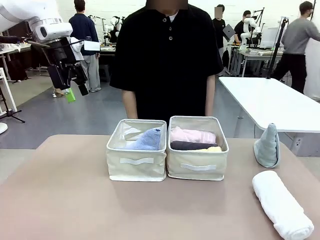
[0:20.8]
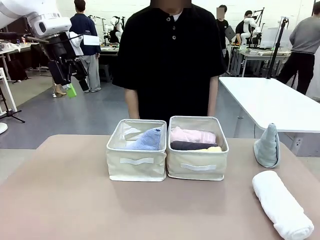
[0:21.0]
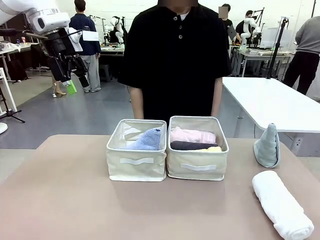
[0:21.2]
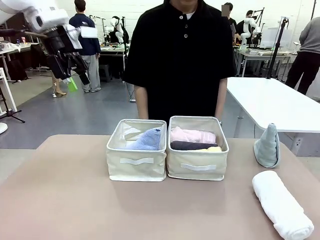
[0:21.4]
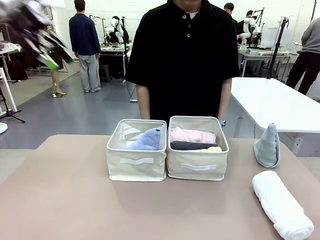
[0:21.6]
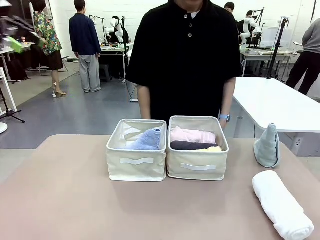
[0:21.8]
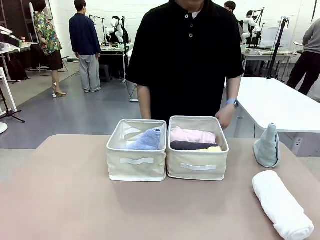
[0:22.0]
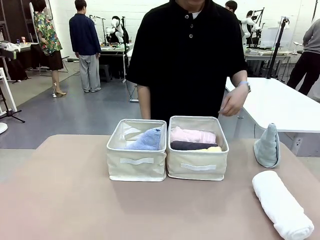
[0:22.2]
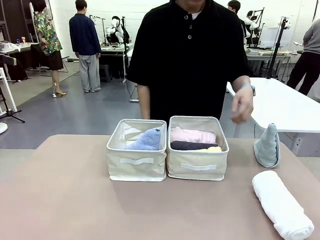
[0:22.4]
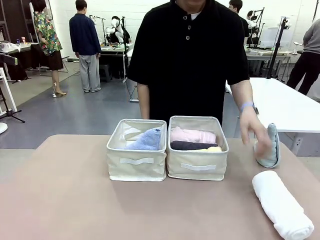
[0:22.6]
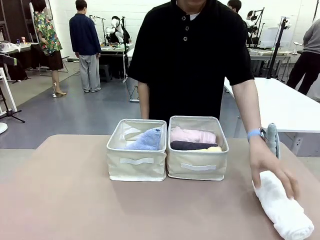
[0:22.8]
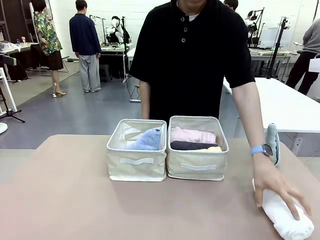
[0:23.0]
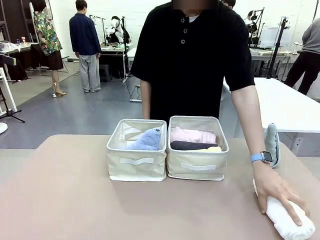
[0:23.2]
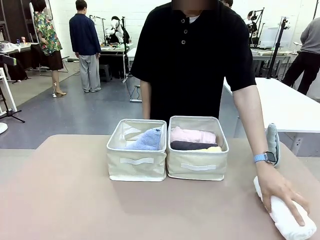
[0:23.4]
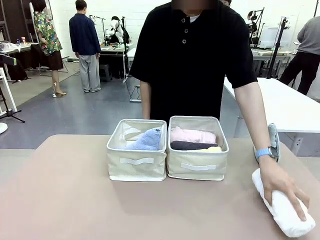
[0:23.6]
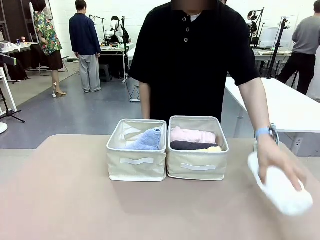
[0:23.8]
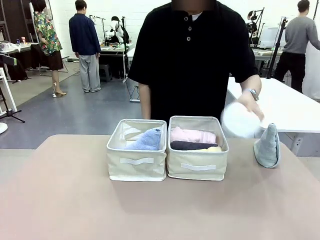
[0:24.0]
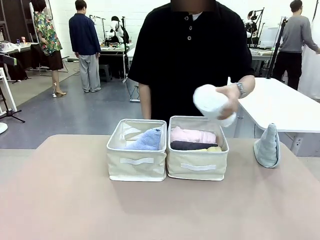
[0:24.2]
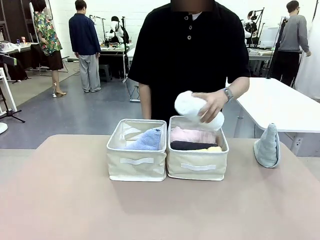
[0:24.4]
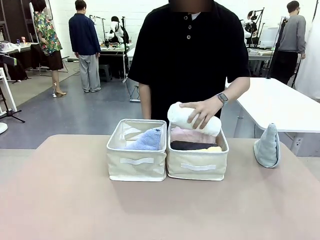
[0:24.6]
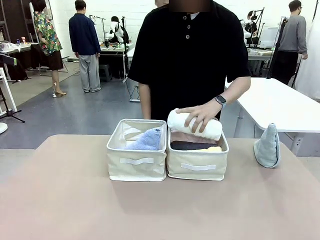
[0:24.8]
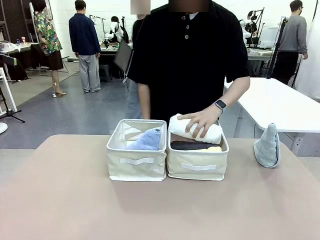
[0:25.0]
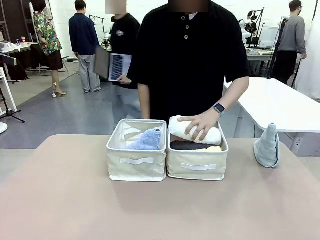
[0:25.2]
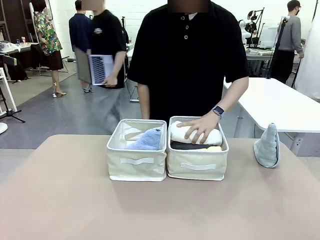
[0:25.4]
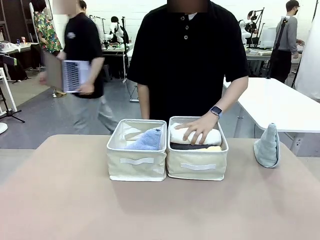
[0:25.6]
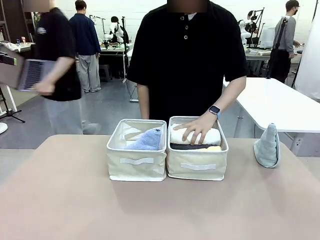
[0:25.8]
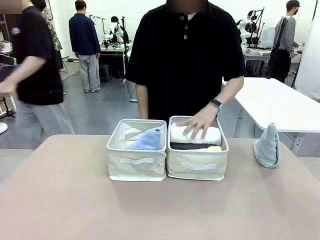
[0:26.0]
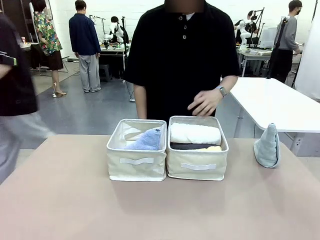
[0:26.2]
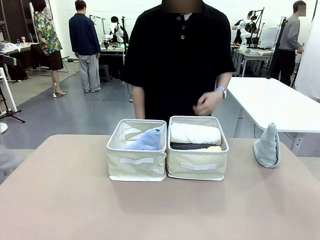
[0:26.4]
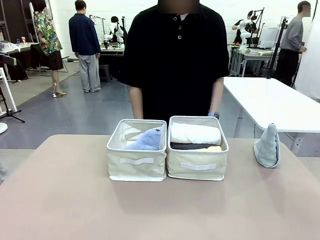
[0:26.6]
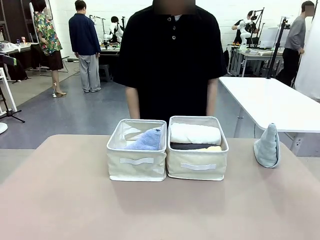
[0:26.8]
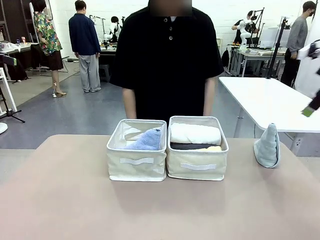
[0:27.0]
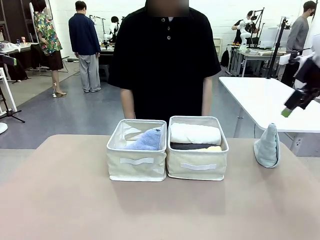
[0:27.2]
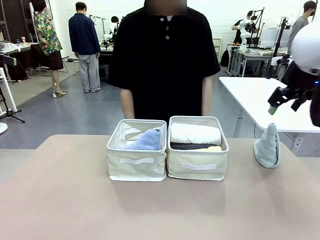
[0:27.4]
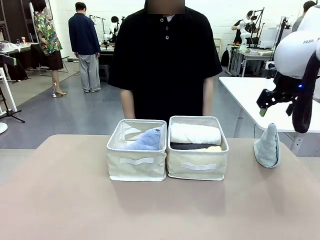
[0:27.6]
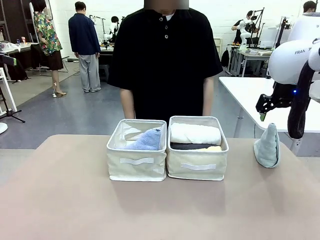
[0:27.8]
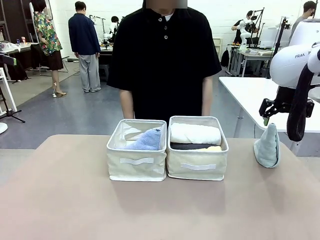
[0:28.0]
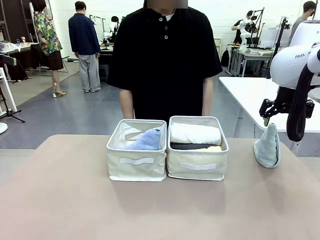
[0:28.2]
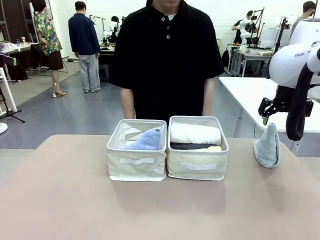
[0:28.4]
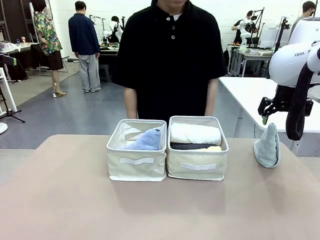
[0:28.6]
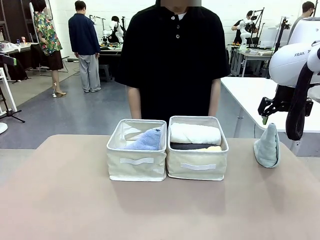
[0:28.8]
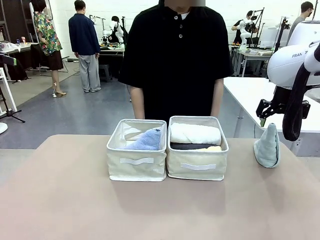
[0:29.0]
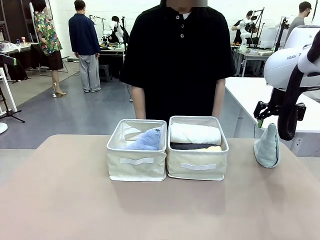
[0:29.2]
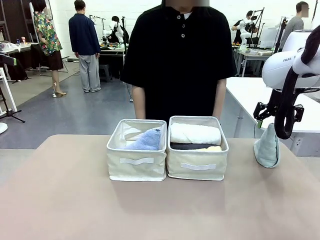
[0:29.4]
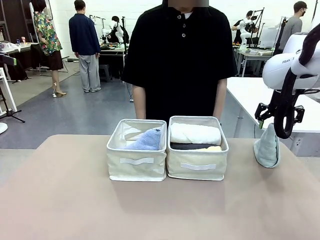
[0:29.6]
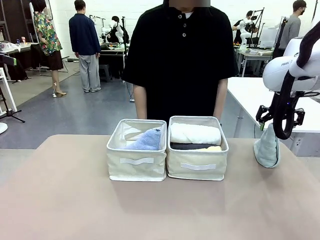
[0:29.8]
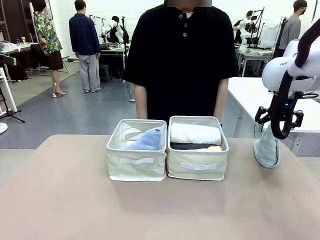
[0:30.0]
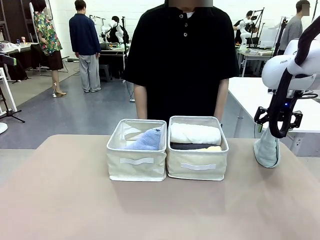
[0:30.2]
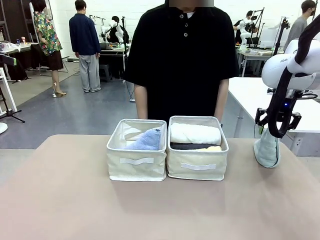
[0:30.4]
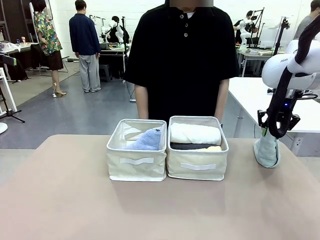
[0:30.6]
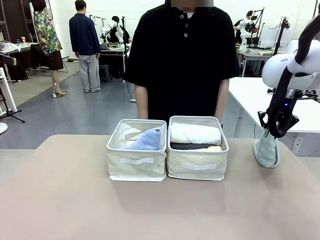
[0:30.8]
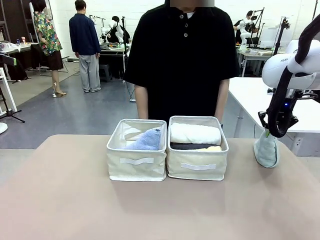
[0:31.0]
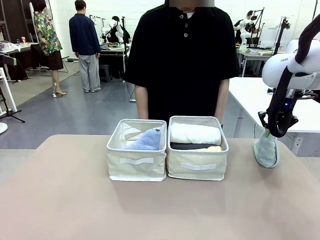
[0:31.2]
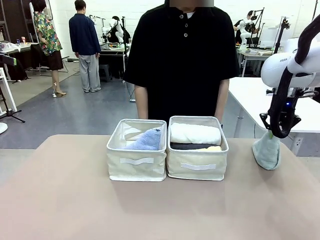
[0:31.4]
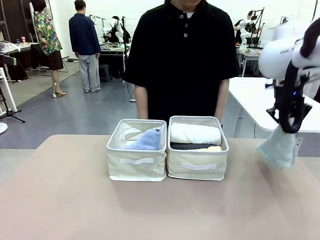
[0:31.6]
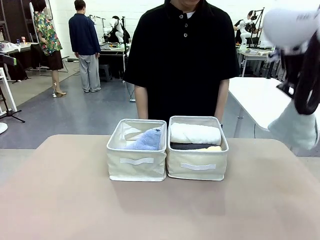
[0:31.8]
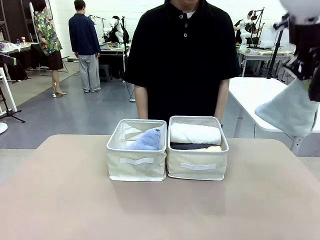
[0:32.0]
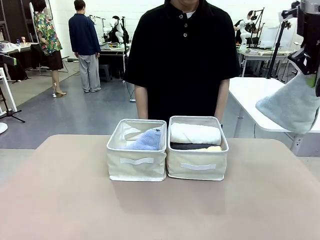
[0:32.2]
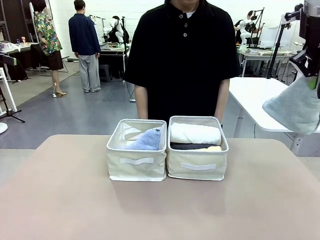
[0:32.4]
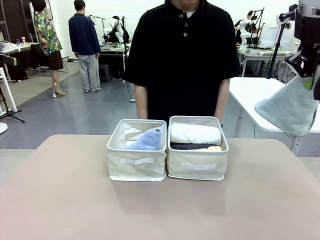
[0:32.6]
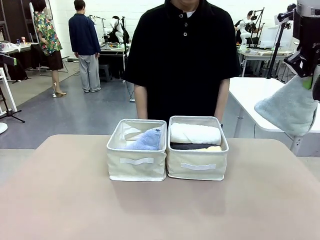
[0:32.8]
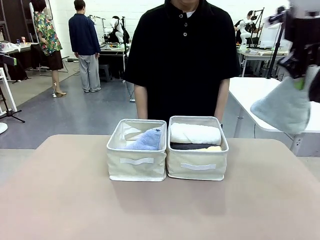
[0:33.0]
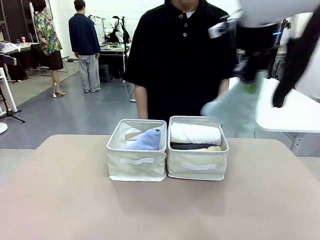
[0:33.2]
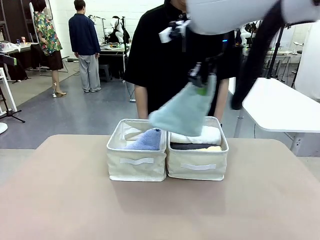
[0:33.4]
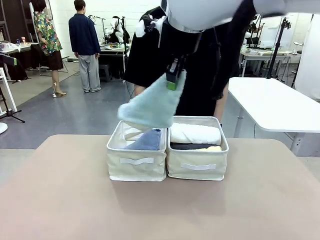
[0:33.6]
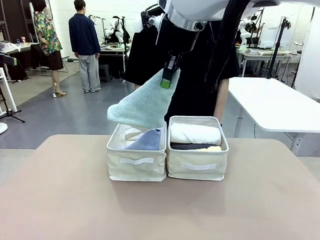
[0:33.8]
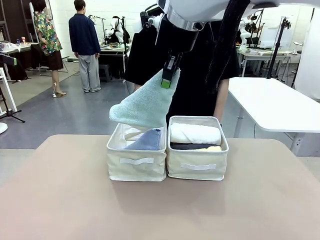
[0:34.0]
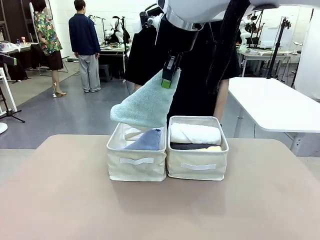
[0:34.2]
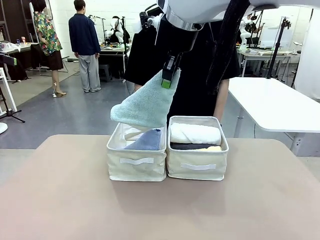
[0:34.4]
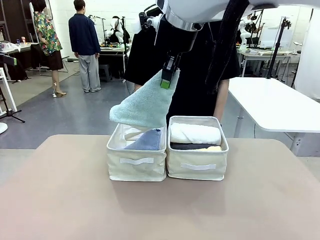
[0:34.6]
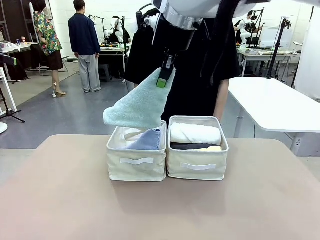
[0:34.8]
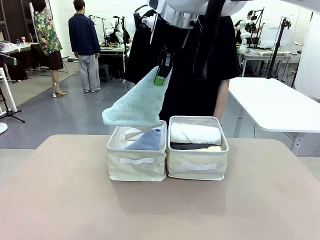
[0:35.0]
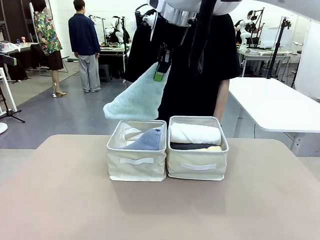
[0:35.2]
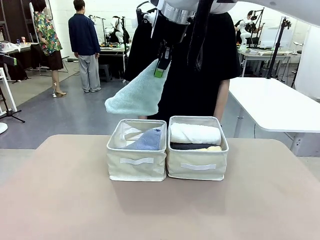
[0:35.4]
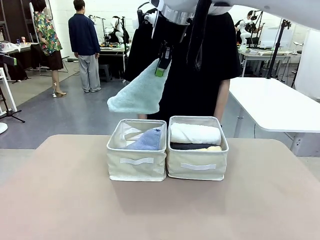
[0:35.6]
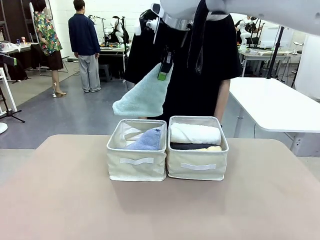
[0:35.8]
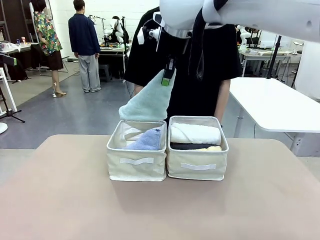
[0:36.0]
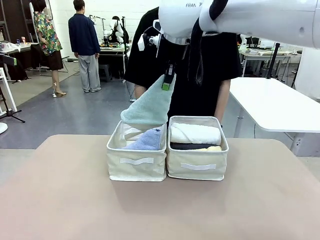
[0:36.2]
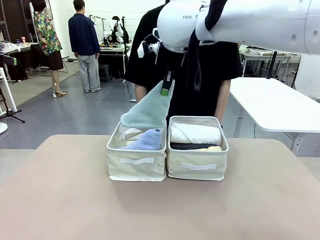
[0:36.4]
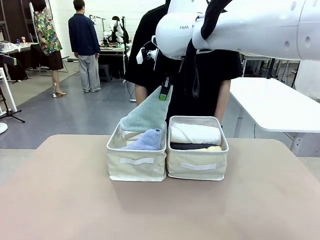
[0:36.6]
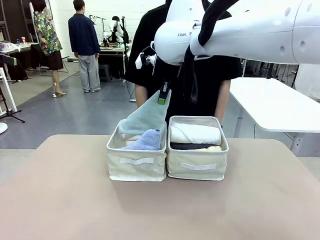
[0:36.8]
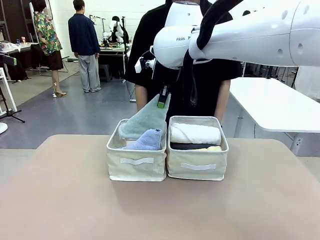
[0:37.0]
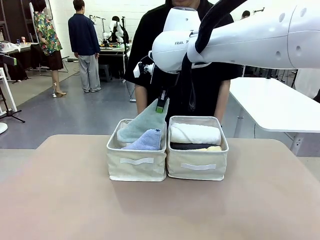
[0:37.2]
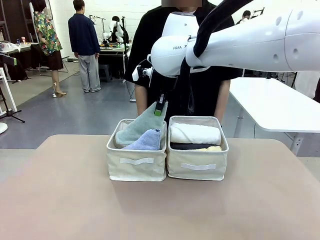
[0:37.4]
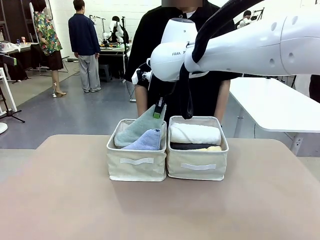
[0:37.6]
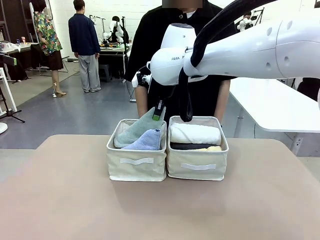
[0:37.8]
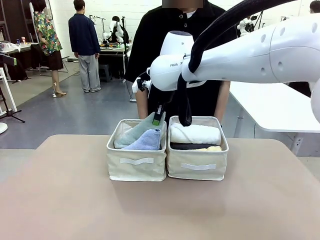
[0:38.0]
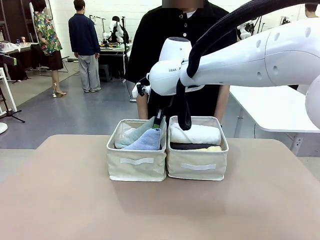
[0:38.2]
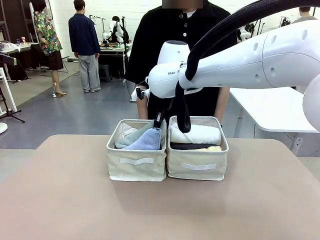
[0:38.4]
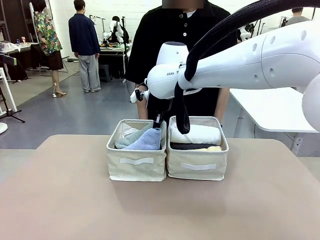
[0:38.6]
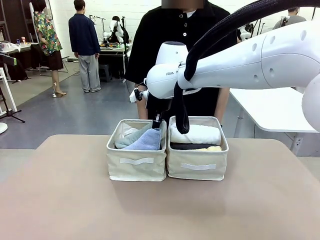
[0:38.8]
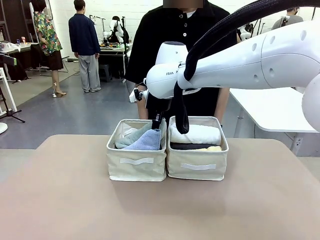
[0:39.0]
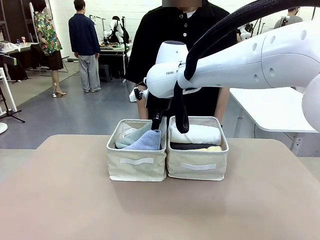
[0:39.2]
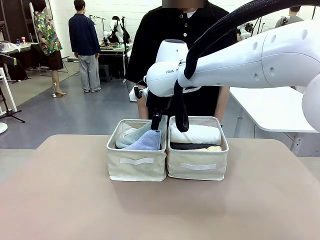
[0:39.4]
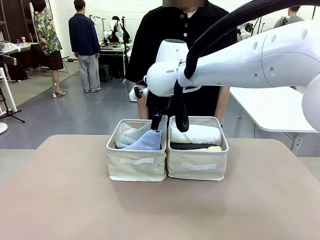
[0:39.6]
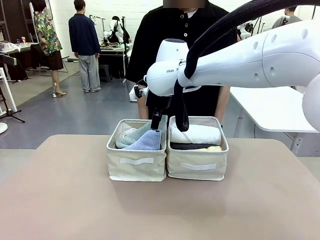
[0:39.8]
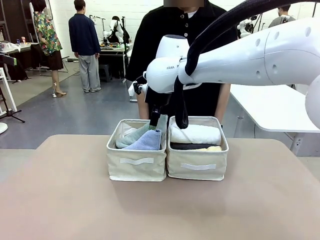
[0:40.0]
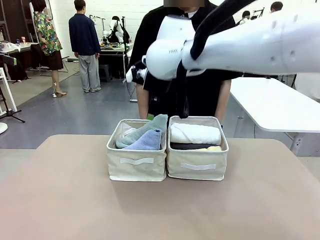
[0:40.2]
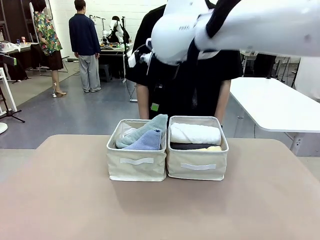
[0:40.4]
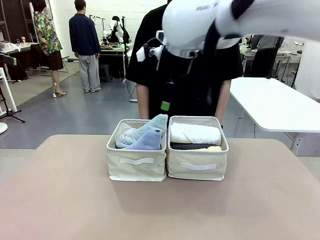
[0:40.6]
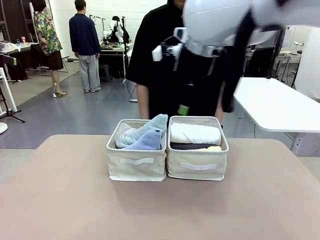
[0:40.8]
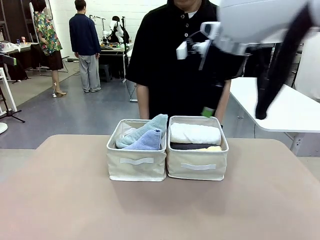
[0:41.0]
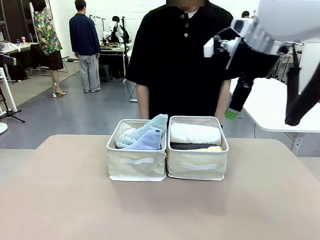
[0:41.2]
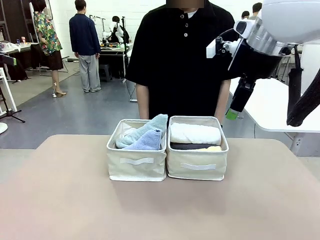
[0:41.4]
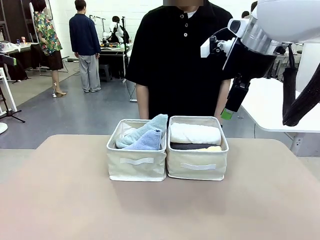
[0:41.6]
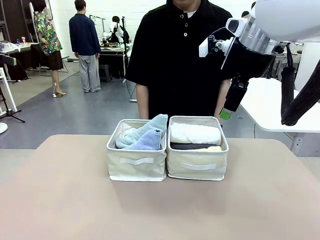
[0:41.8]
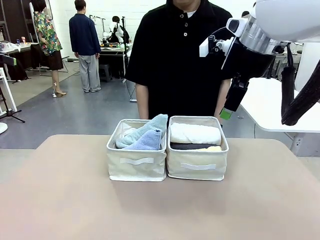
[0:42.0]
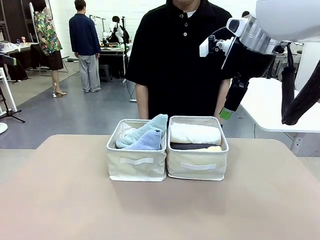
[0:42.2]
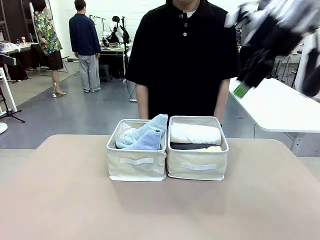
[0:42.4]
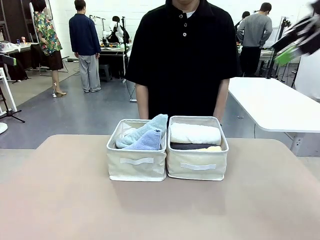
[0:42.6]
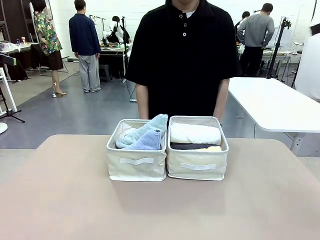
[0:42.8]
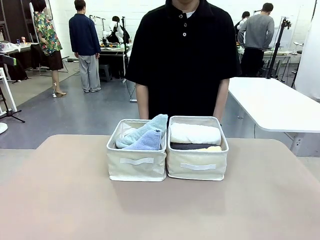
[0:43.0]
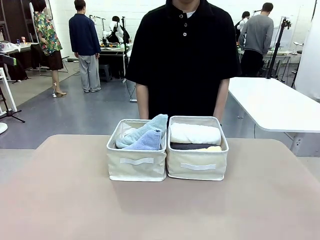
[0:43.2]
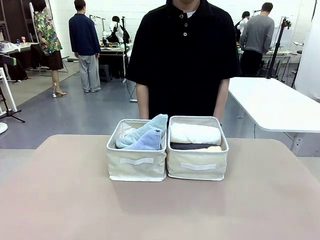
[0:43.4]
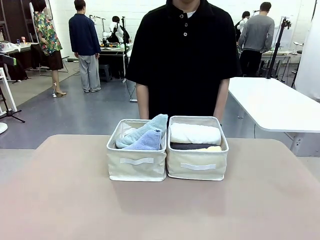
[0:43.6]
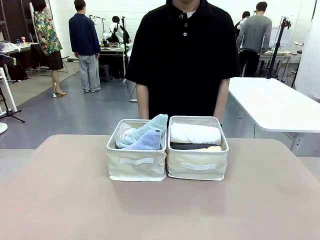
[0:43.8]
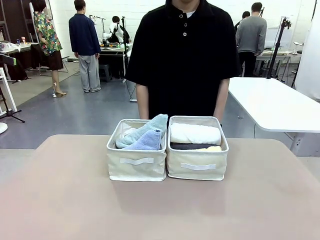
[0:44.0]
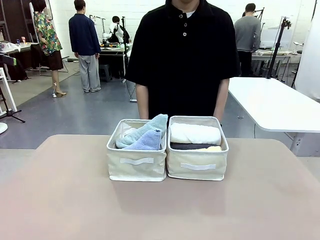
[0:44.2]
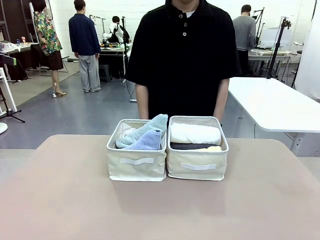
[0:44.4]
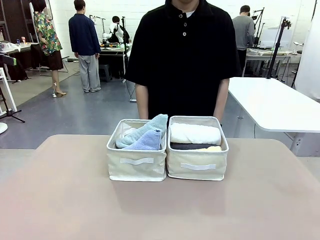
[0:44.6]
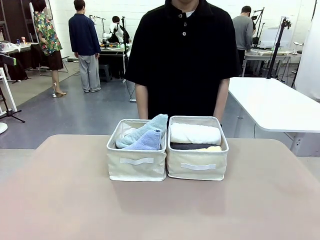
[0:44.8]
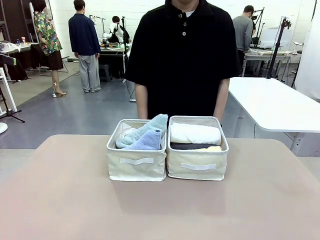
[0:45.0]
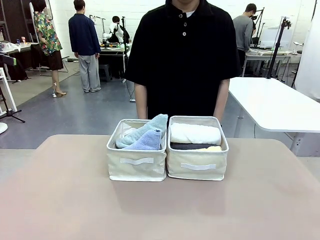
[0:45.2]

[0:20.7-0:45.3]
Task: Sort the towels based on their folding style.
Robot: Pick up another triangle-folded towel from the table and place it in the left Fabric basket.
Person: Pick up one hotel-style rolled towel from the table and place it in the left fabric basket.
